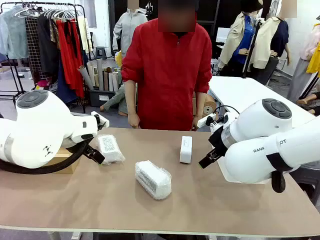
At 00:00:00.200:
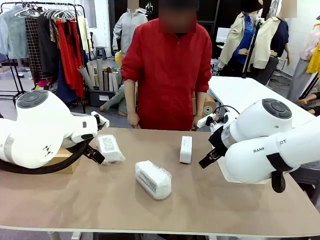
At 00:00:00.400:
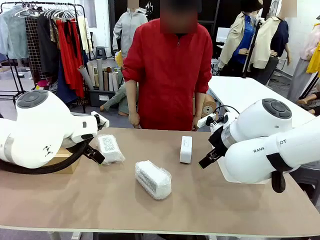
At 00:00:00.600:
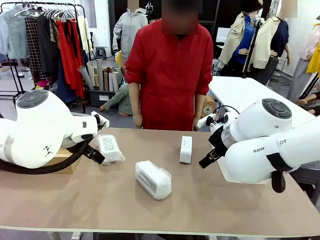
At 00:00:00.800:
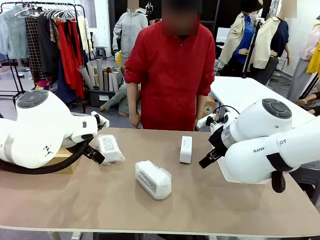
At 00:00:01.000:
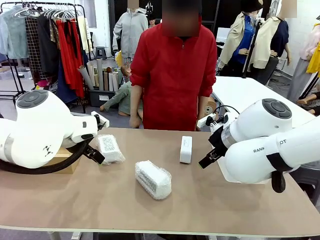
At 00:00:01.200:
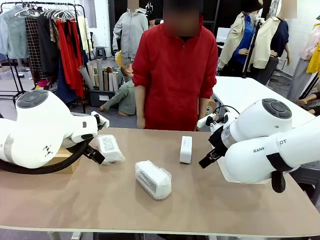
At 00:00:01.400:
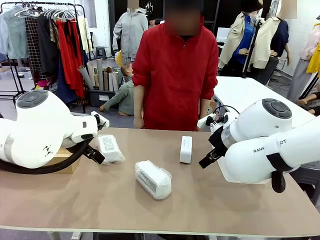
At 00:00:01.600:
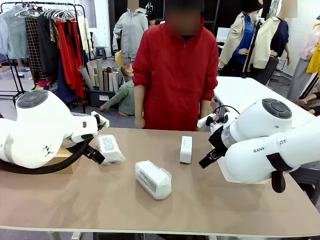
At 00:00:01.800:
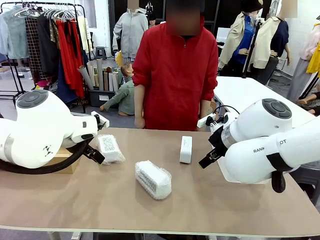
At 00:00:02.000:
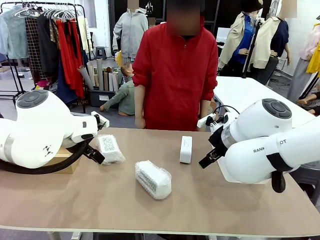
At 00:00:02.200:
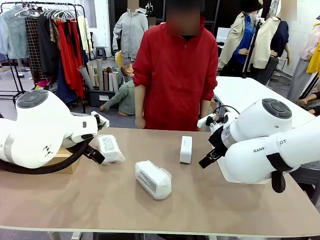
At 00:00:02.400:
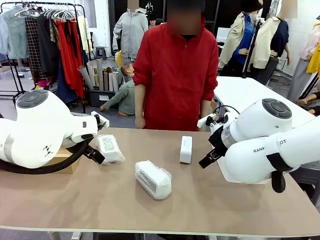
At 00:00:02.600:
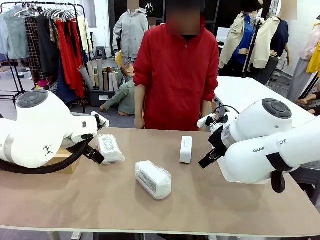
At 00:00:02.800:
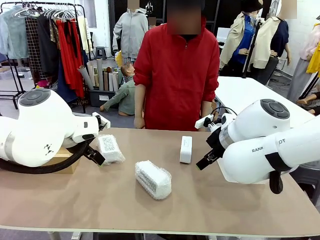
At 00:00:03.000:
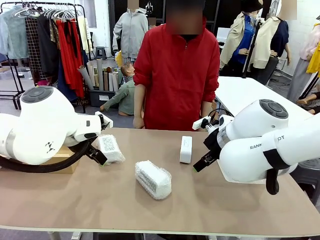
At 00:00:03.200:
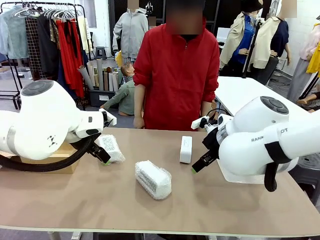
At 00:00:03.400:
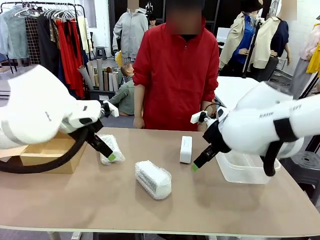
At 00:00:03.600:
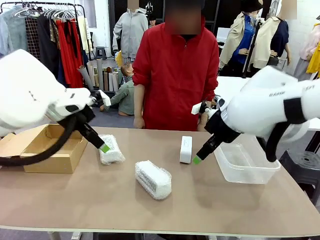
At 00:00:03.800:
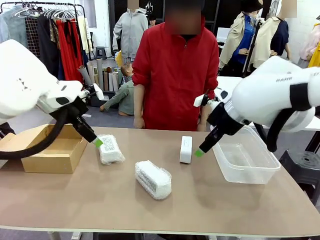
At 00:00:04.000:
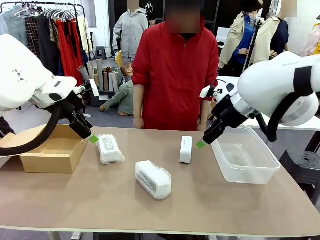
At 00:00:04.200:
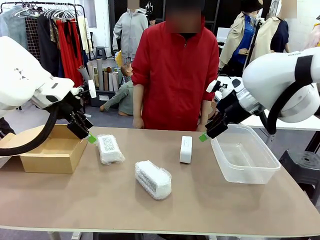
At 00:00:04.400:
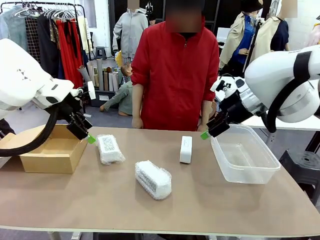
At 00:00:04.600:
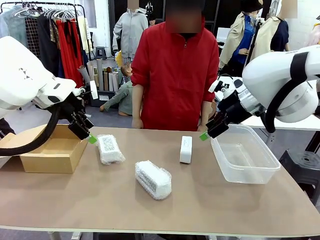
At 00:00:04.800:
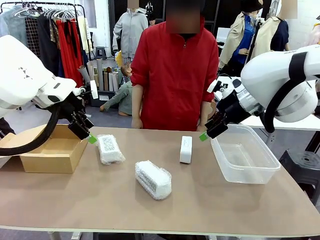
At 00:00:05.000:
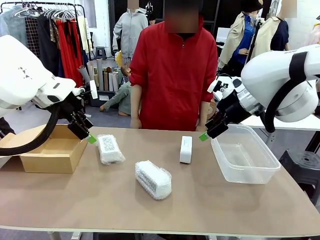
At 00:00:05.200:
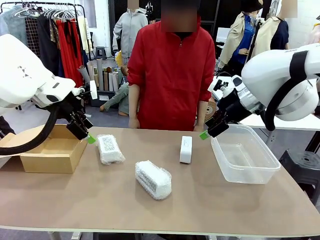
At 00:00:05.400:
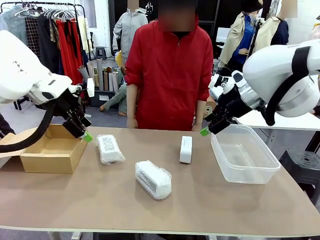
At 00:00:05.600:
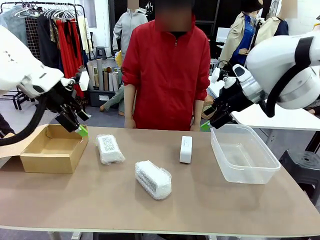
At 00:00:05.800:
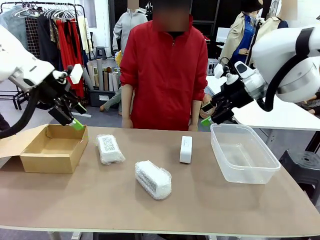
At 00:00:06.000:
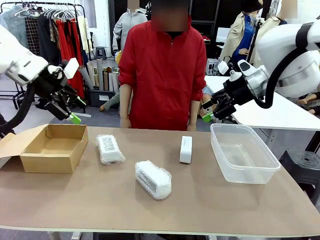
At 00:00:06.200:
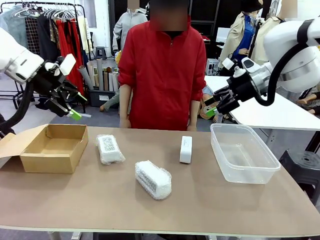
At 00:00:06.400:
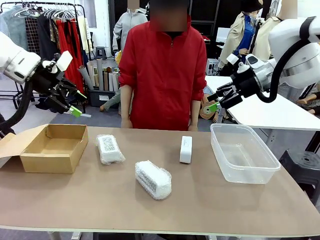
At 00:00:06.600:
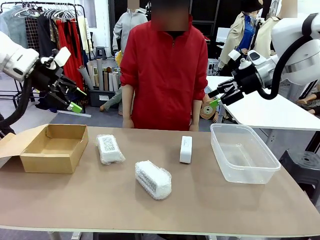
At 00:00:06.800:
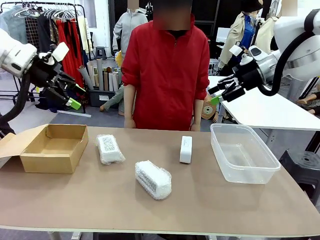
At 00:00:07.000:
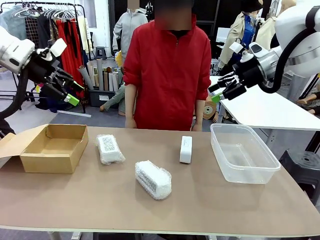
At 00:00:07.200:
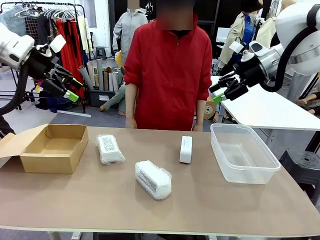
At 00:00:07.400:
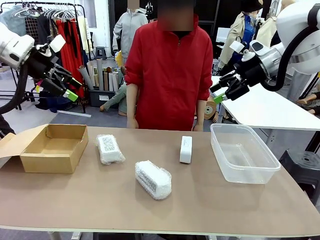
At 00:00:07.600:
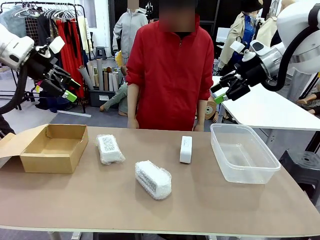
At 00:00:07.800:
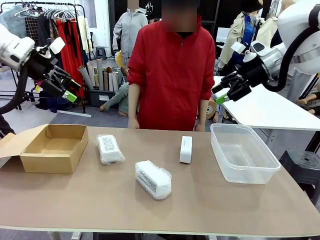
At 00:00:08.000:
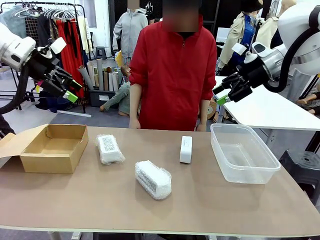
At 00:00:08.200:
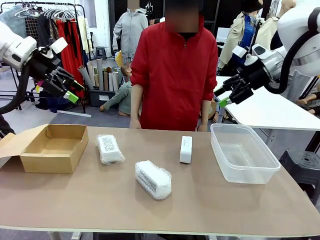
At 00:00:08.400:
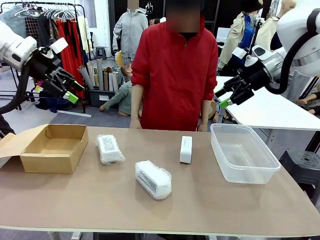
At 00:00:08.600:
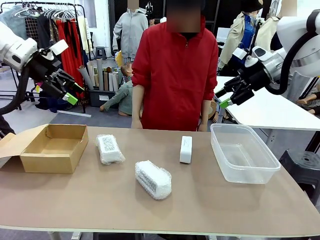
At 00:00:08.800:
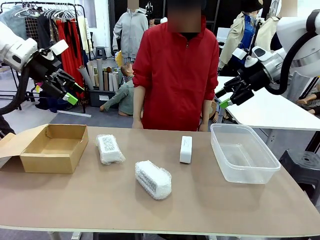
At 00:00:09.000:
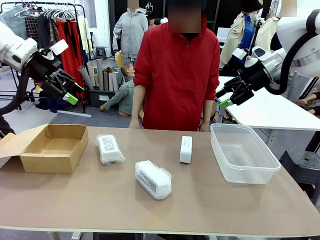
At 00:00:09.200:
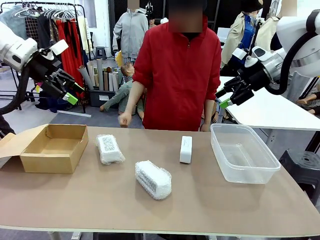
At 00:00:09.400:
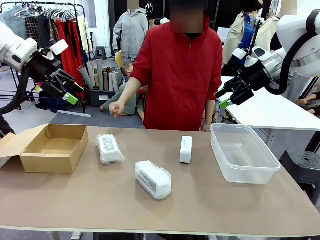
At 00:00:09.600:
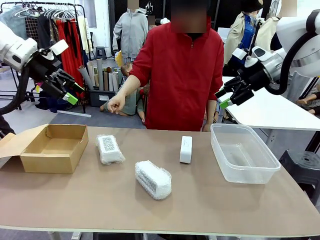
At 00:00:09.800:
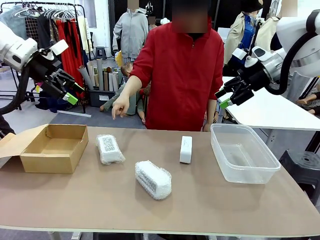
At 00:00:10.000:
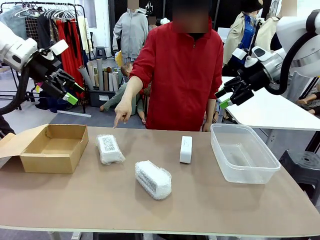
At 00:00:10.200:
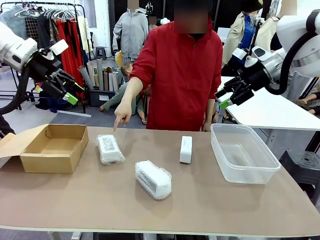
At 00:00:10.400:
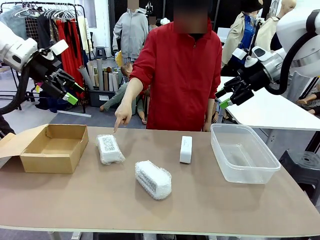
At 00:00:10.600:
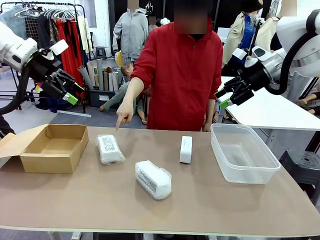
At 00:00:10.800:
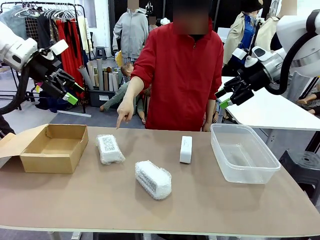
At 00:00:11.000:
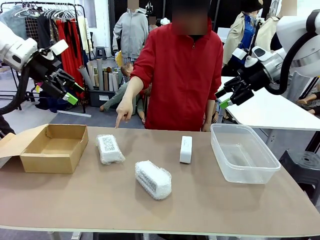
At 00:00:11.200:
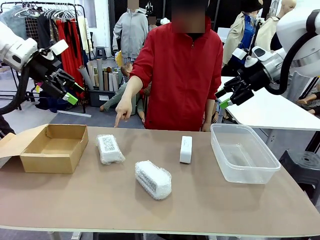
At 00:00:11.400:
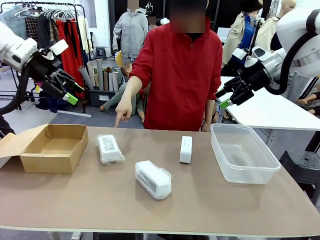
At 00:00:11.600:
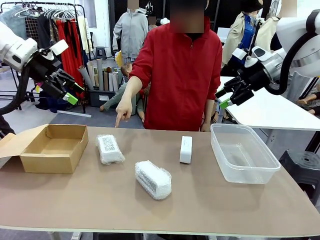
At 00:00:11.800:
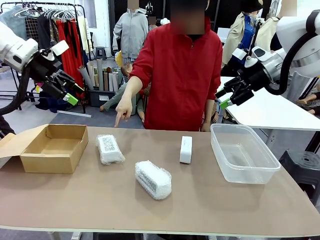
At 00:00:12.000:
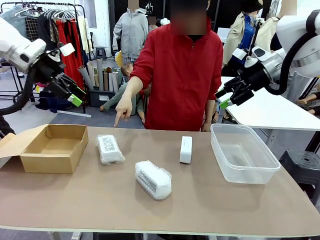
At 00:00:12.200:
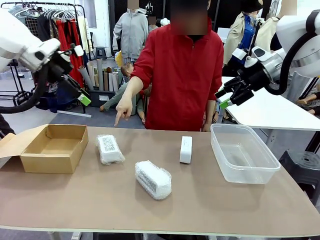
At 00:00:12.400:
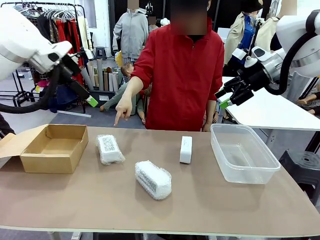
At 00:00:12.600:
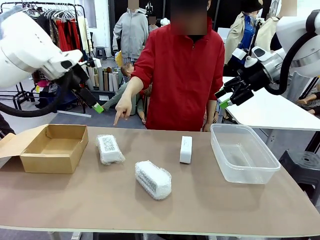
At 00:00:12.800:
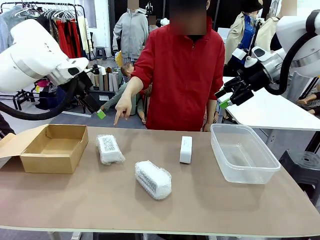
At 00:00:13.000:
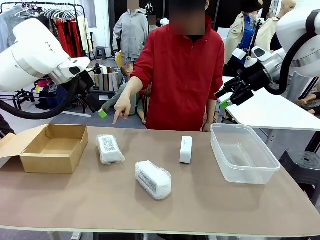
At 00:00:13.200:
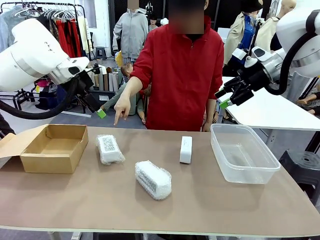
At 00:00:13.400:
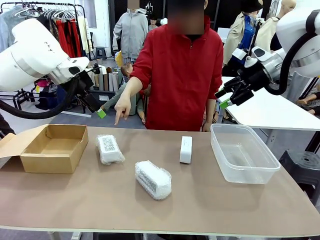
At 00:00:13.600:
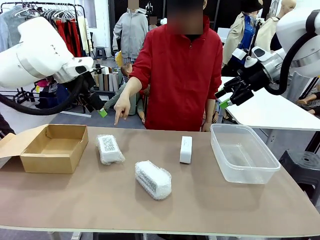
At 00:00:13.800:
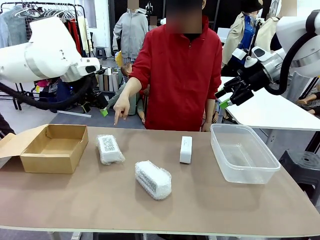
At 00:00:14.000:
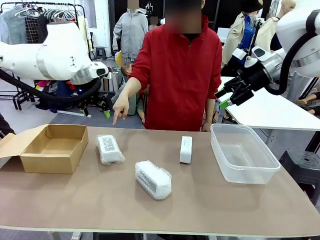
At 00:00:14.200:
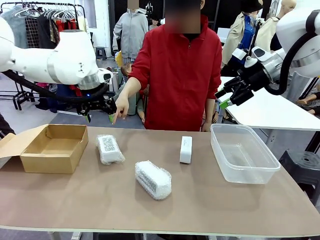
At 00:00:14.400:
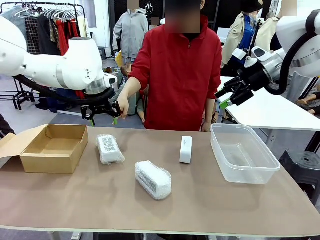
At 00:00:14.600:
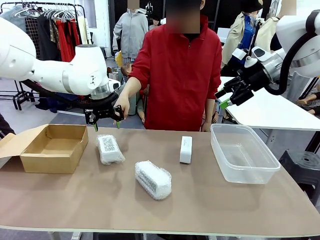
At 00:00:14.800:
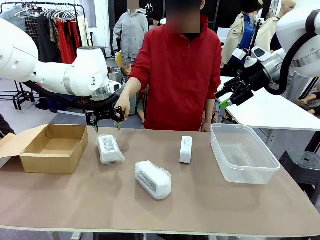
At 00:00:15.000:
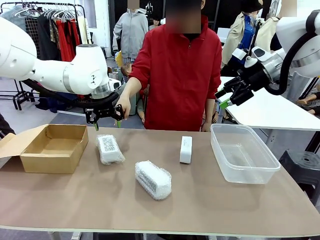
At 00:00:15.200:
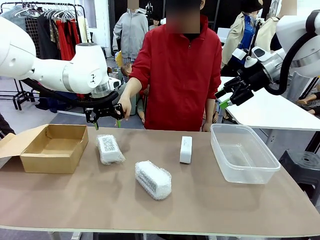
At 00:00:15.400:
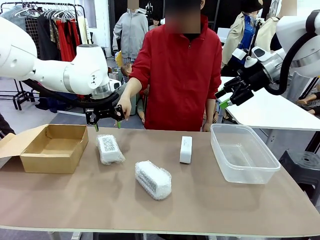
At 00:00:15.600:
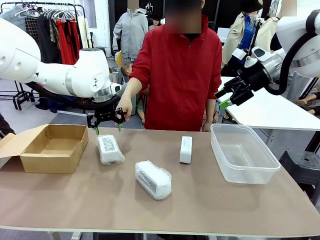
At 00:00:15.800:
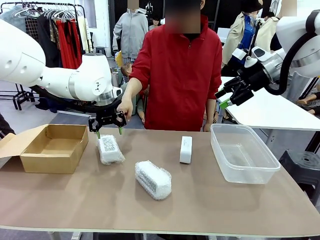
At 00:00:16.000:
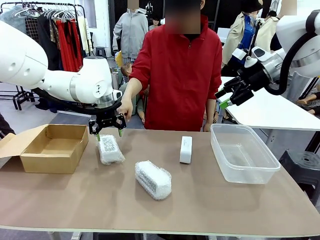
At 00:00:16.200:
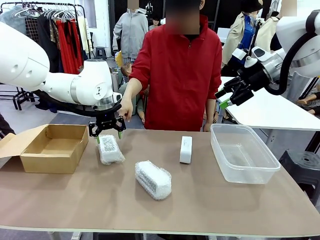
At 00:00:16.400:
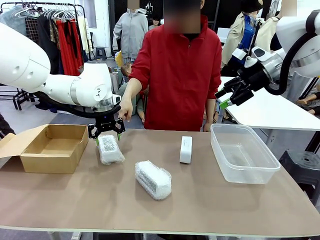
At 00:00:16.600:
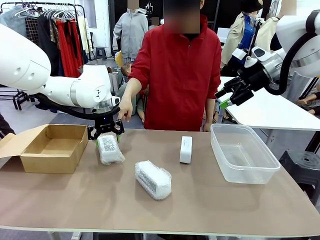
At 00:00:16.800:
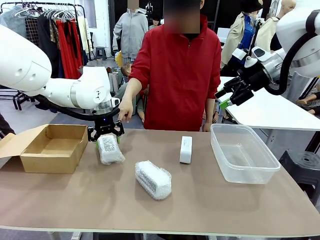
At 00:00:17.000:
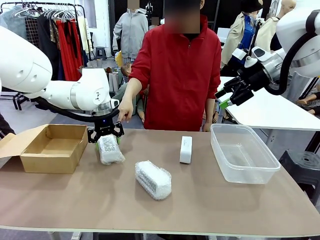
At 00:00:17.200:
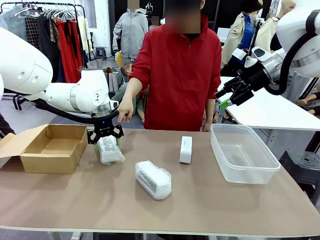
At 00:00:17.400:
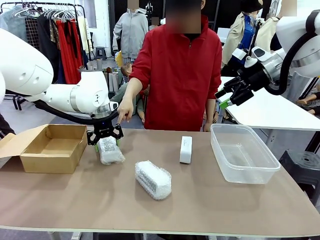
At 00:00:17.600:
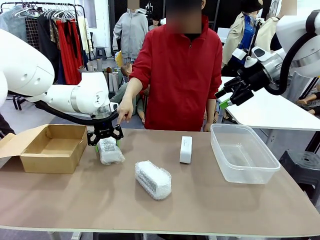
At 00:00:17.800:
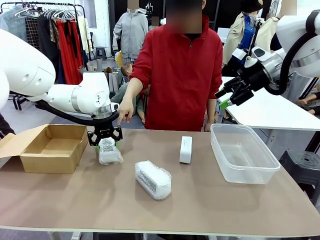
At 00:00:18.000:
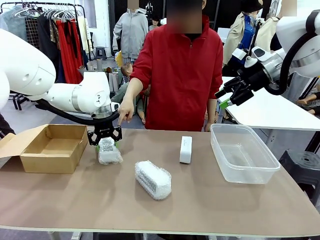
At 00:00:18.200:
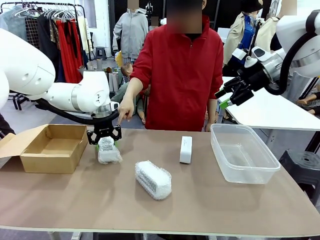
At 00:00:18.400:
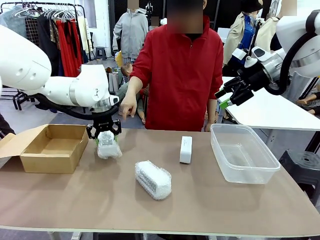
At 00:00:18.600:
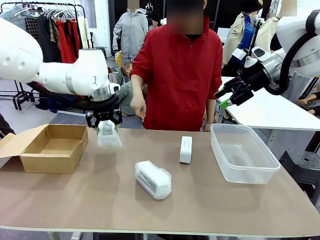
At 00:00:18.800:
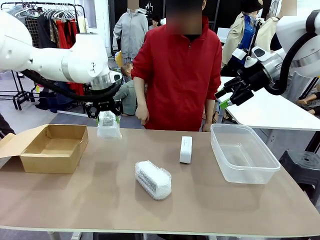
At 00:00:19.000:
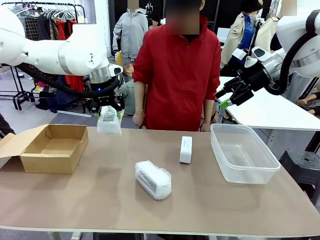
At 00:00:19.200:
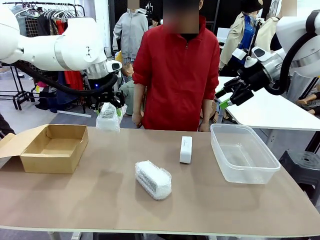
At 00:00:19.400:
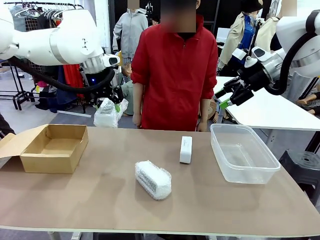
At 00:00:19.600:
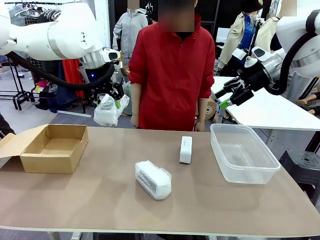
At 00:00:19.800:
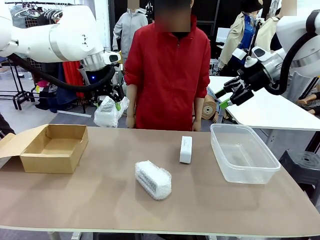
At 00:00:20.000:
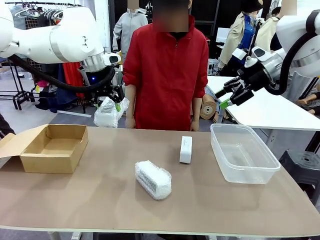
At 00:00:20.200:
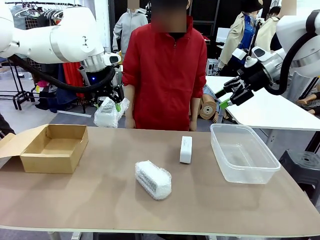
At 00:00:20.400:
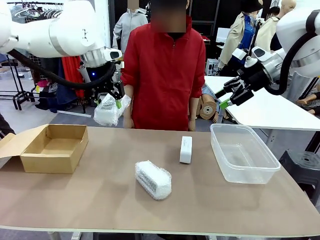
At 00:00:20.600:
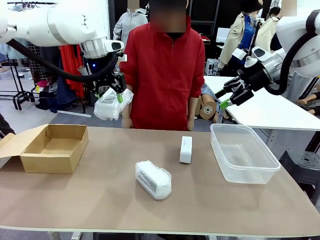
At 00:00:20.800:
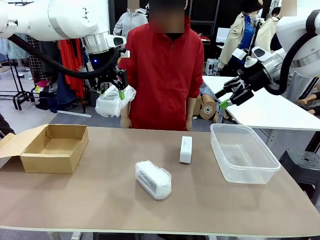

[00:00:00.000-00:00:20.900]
Task: Separate and place wrapped and unwrapped clocks.
Robot: Pick up the Digital clock indicated by the person.
